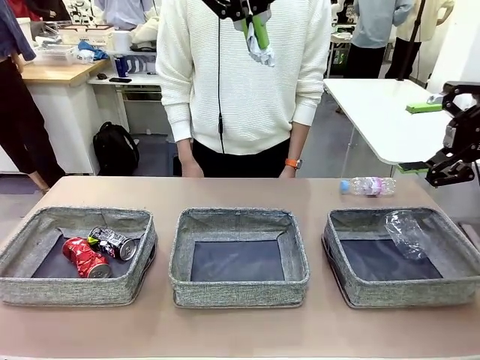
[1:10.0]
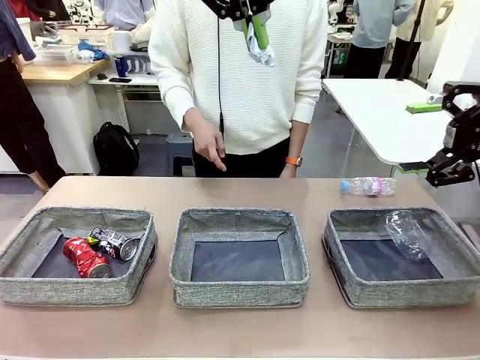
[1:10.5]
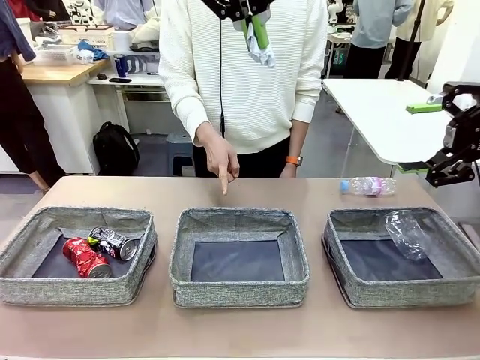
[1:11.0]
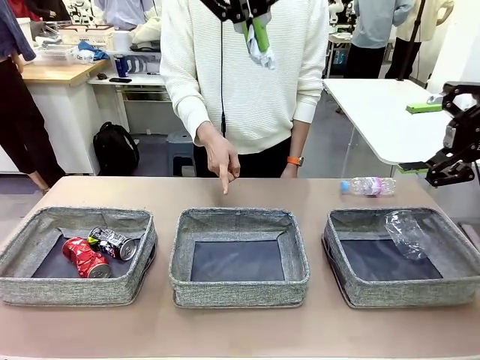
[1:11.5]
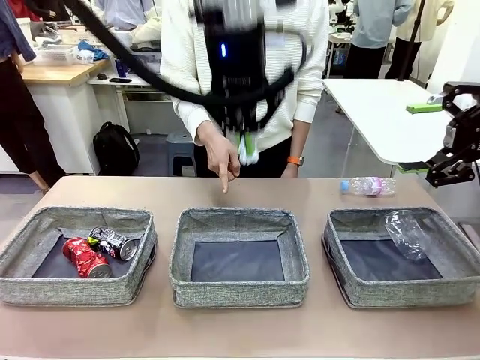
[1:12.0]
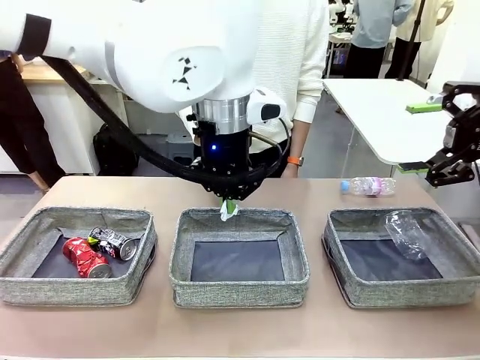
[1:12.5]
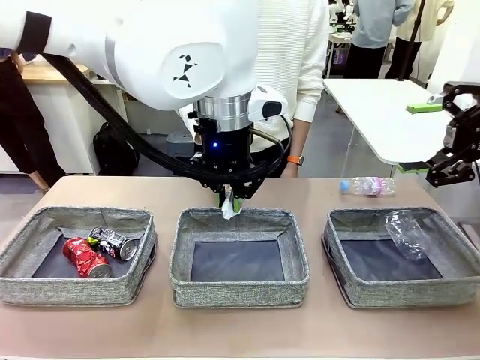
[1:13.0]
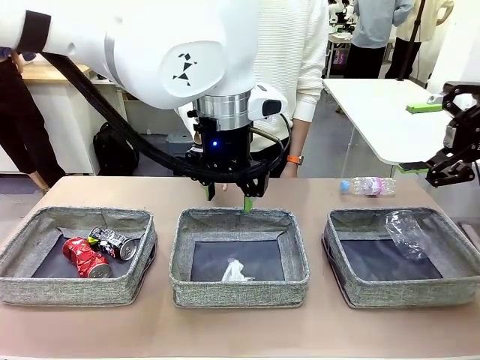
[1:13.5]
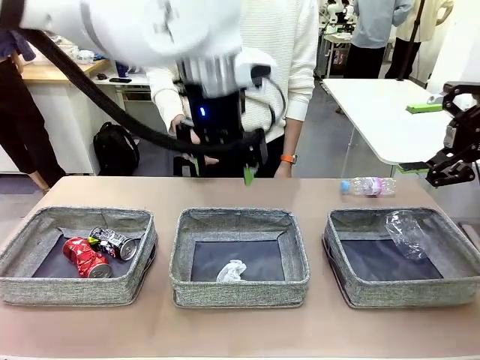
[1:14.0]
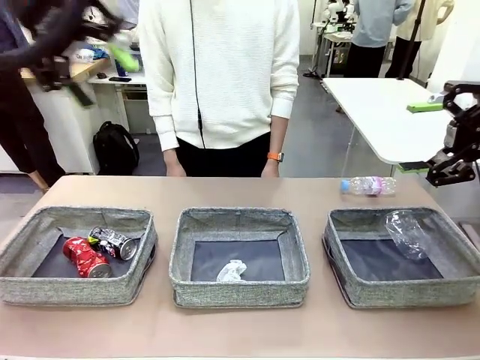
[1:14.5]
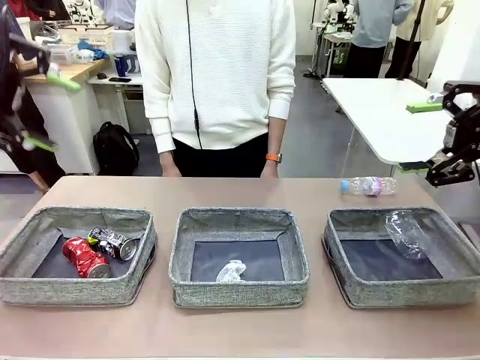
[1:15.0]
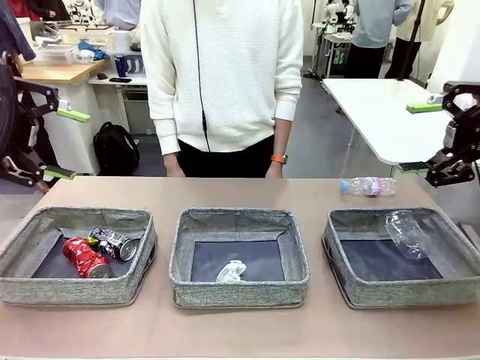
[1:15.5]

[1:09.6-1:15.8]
Task: Sort the waste into the appropriate baskets.
Robot: Place the picked waste into the Fabric basket indicated by the person.
Person: Instructs the robot to place the picked-up trash into the appropriate organizing basket.

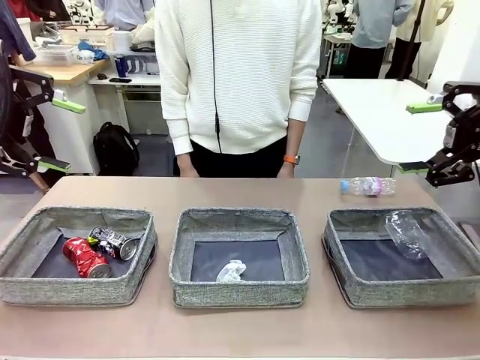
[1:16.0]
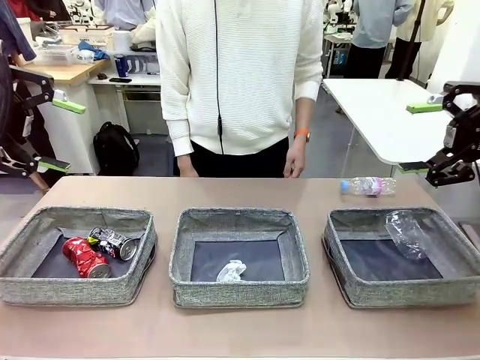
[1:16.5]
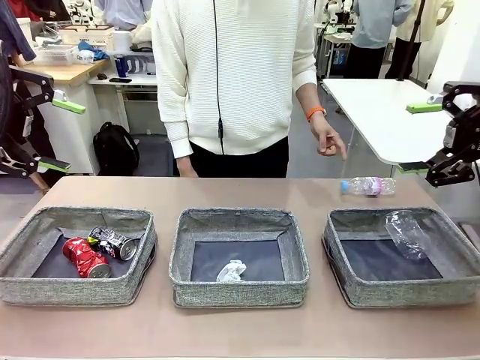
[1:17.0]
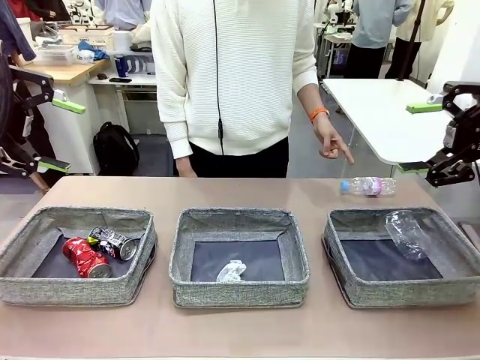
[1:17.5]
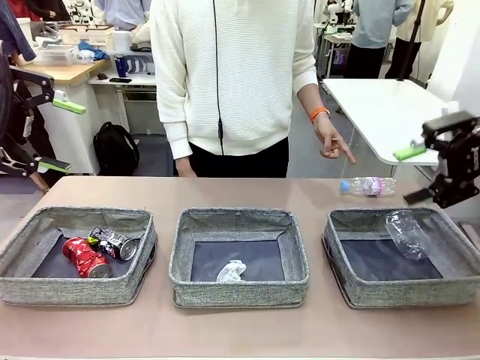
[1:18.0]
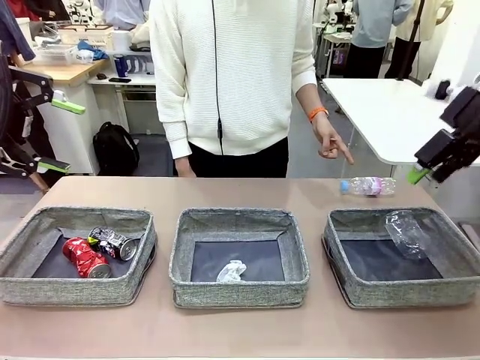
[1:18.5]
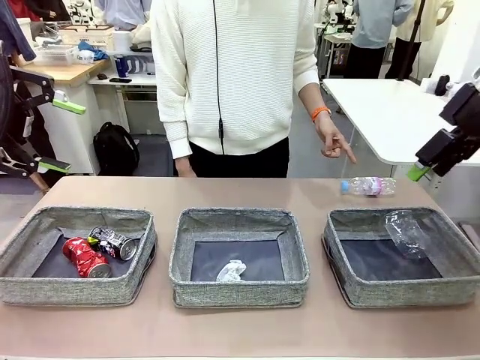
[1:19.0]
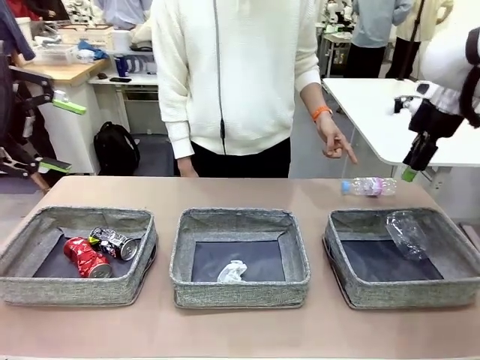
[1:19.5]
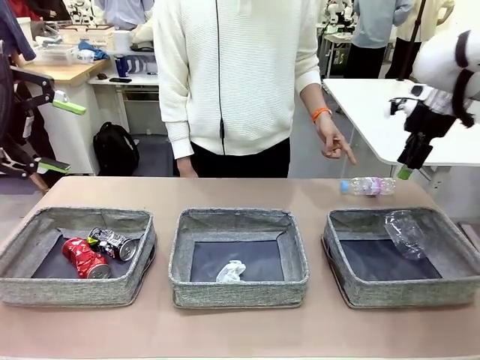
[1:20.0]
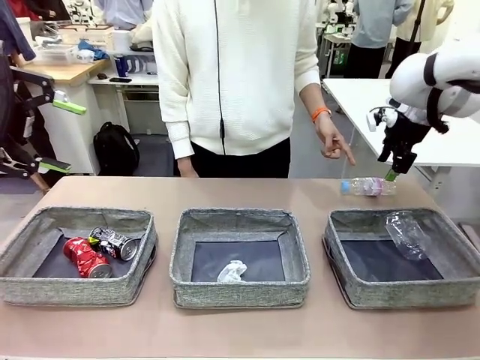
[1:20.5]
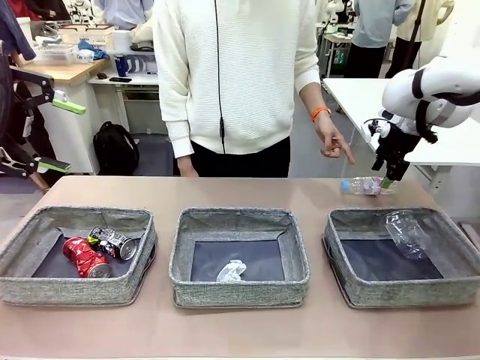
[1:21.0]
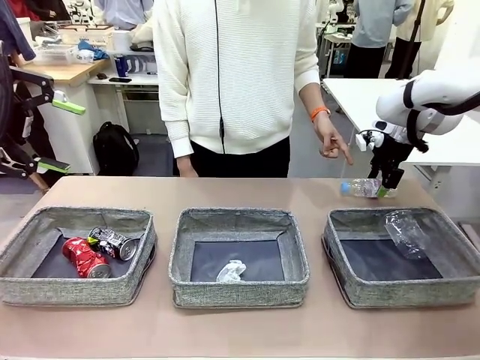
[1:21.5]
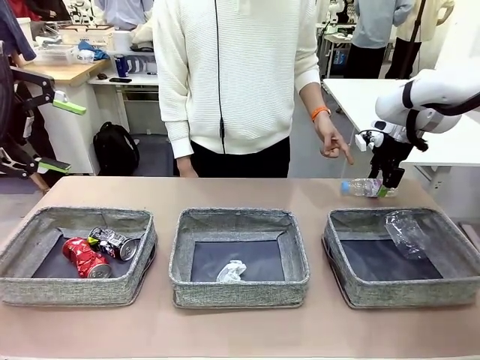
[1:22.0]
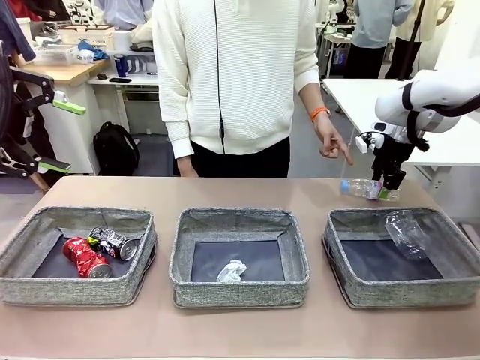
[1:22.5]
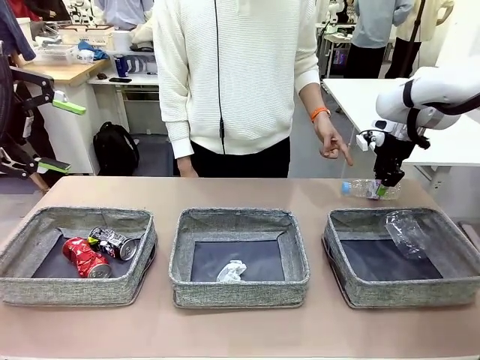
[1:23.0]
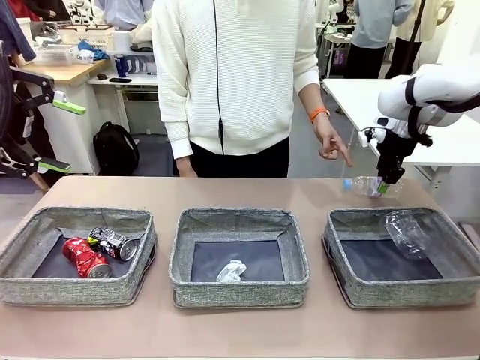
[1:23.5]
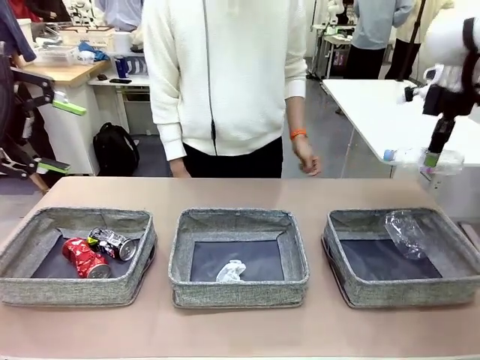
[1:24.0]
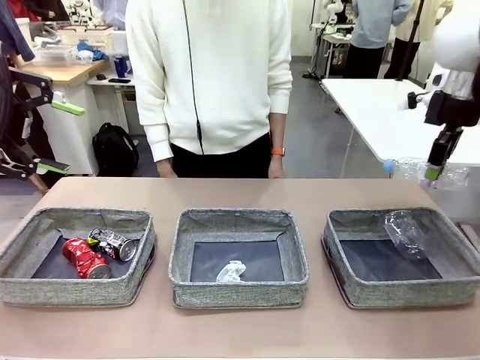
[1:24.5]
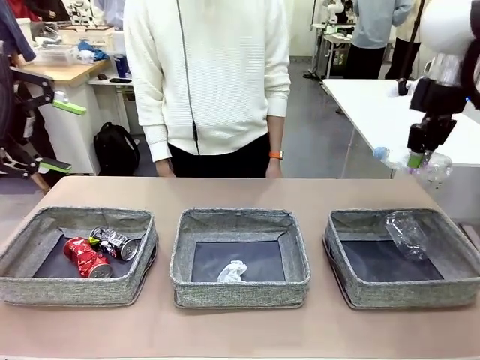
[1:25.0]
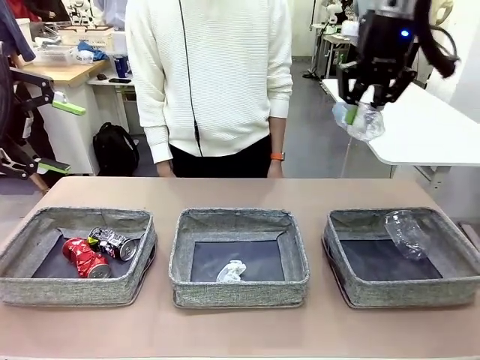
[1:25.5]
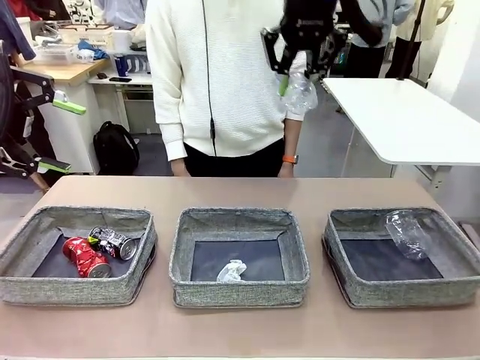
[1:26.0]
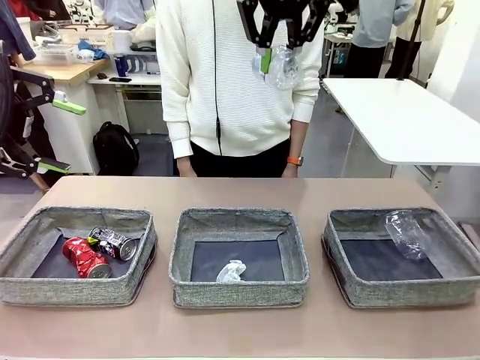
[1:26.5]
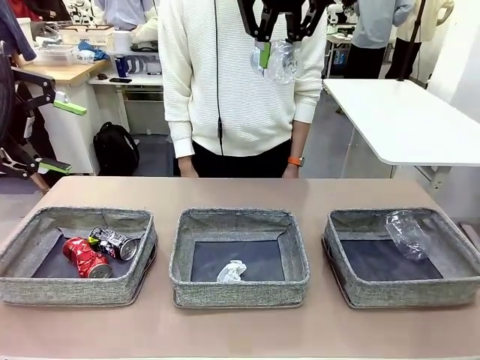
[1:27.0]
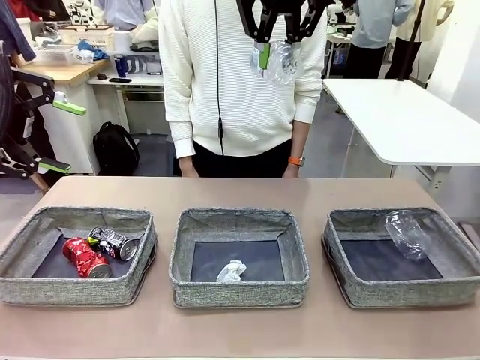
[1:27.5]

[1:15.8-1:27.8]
Robot: Pick up the waste item pointed out by the person.
Person: Points to one piece of trash on the table.

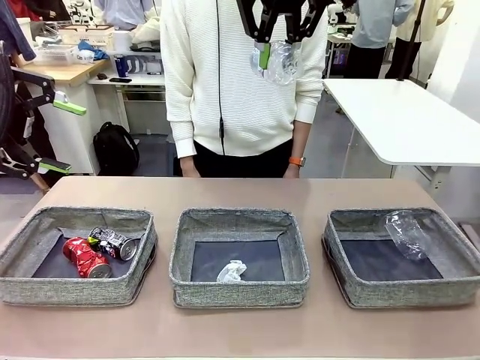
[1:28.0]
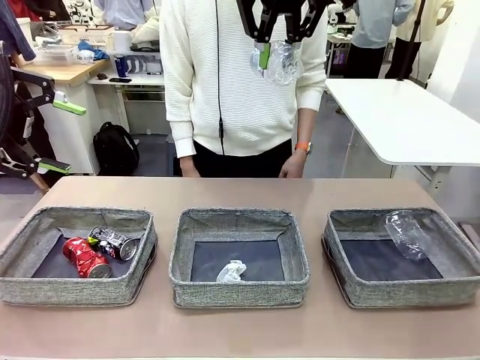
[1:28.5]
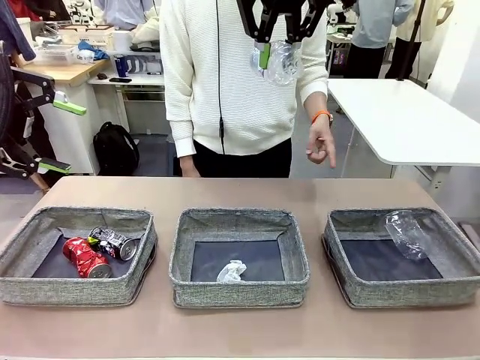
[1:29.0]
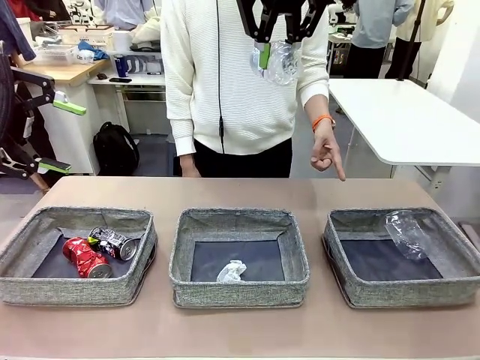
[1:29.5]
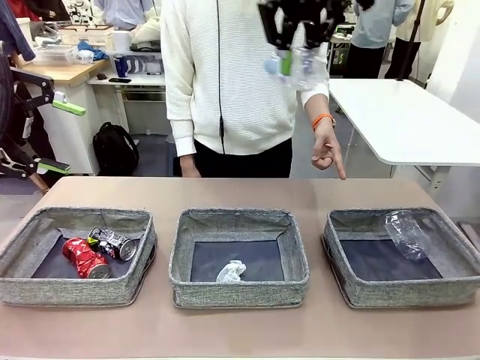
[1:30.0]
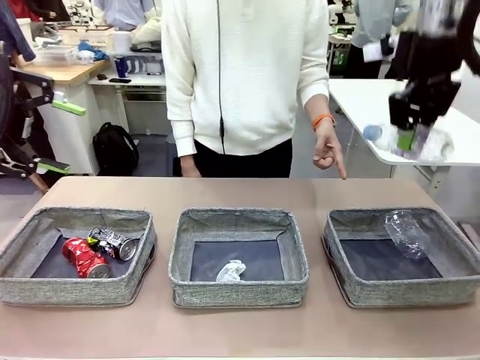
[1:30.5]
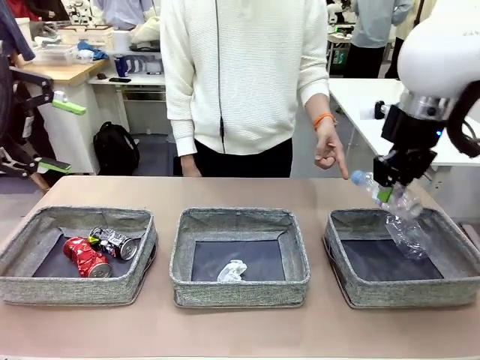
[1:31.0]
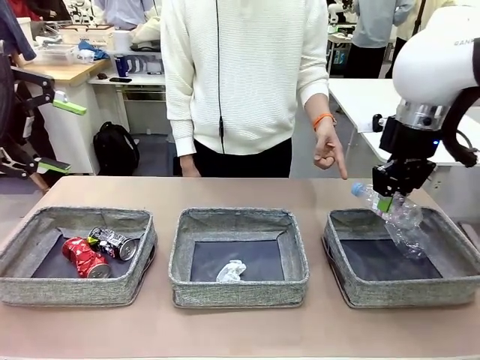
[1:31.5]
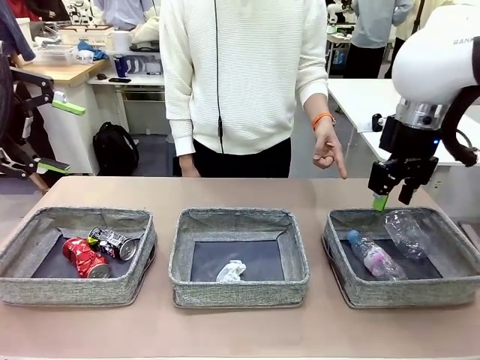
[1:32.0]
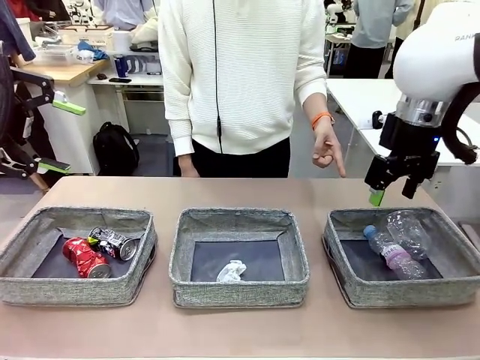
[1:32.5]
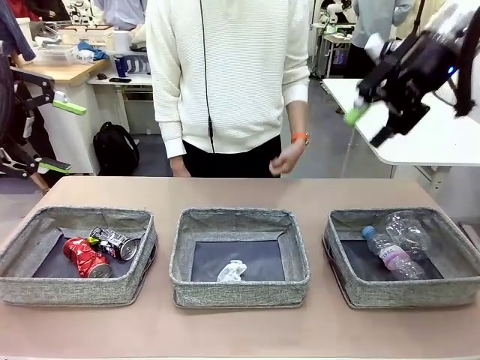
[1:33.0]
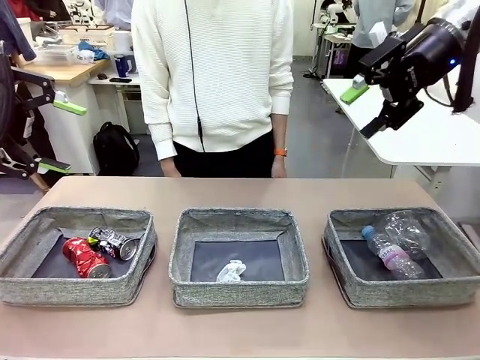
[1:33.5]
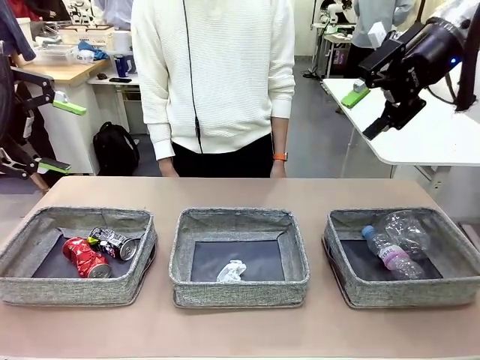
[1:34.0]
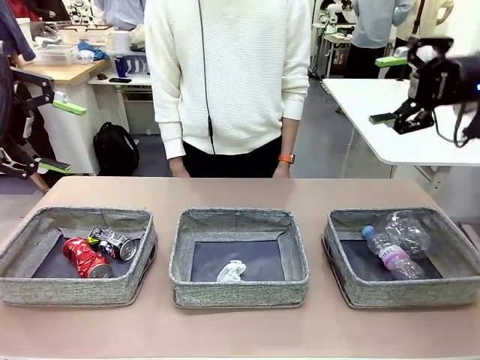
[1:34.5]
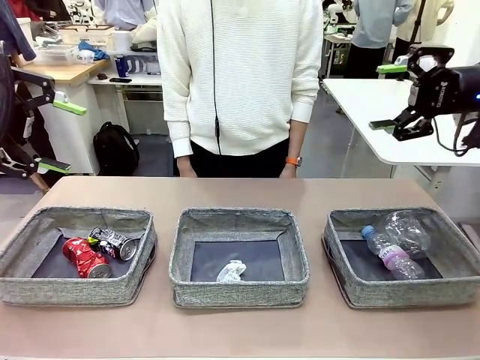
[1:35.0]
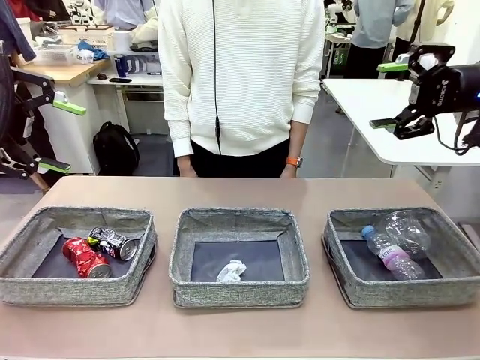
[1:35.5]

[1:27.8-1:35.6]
Robot: Place the picked waste into the Fabric basket indicated by the person.
Person: Instructs the robot to place the picked-up trash into the appropriate organizing basket.
